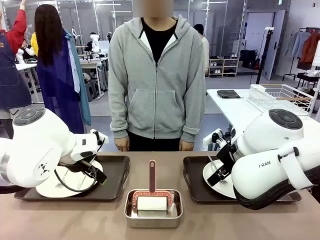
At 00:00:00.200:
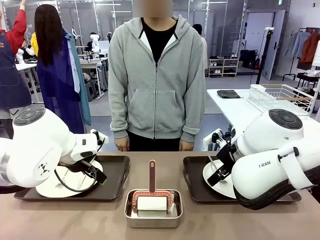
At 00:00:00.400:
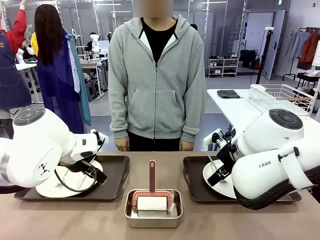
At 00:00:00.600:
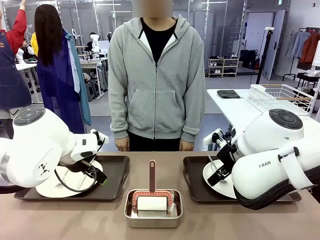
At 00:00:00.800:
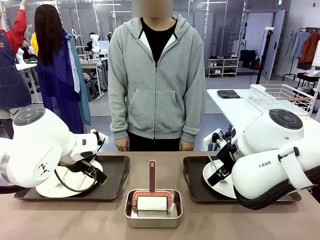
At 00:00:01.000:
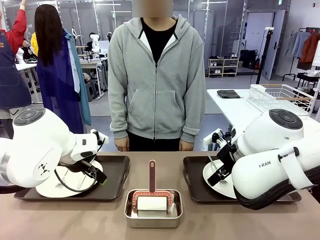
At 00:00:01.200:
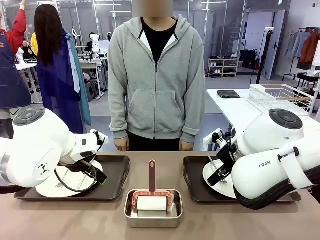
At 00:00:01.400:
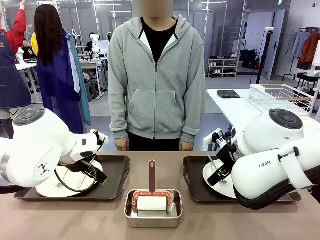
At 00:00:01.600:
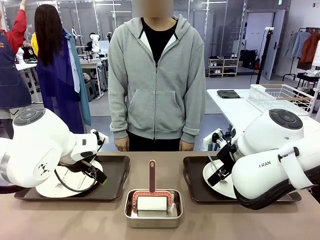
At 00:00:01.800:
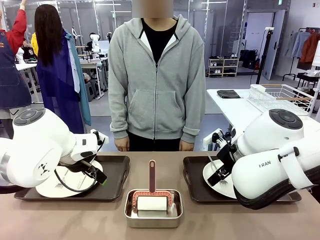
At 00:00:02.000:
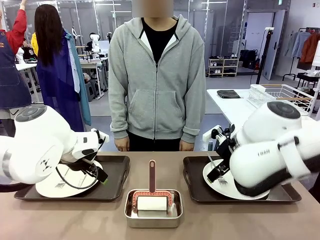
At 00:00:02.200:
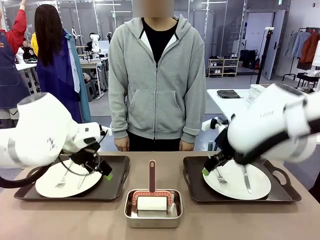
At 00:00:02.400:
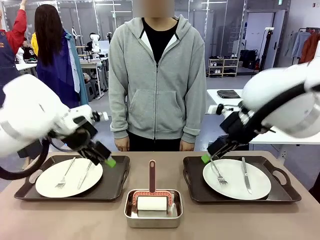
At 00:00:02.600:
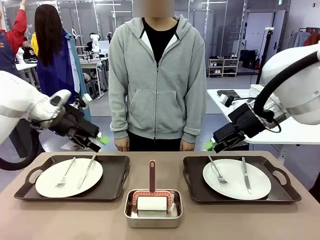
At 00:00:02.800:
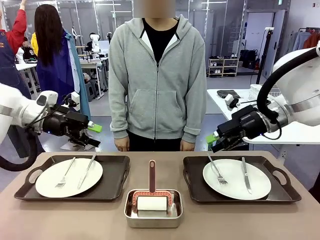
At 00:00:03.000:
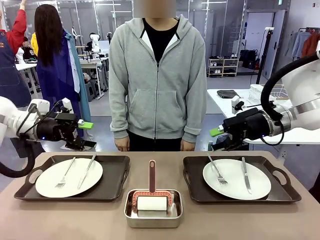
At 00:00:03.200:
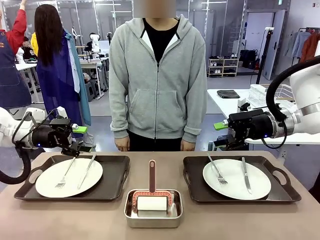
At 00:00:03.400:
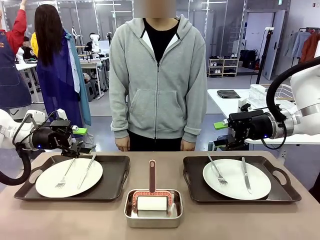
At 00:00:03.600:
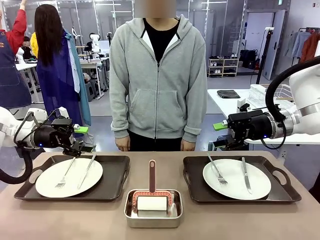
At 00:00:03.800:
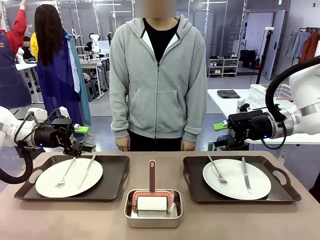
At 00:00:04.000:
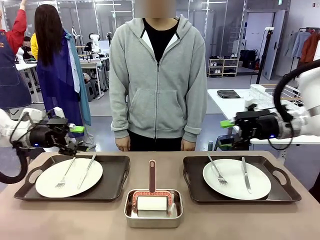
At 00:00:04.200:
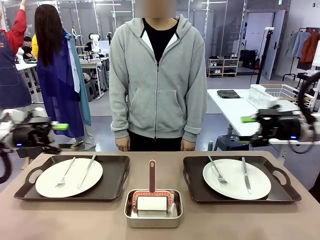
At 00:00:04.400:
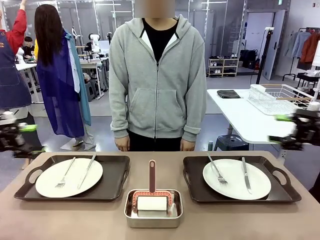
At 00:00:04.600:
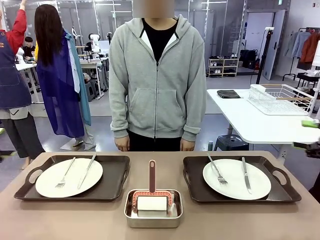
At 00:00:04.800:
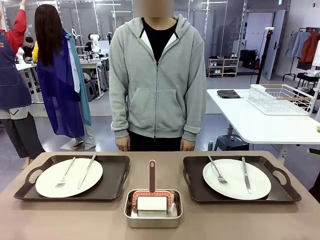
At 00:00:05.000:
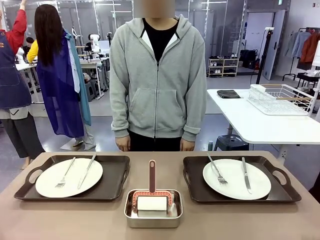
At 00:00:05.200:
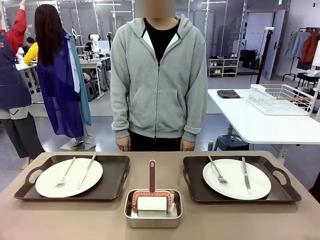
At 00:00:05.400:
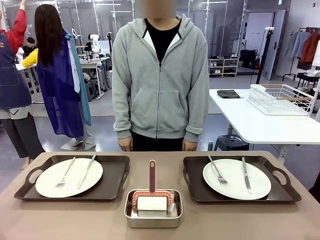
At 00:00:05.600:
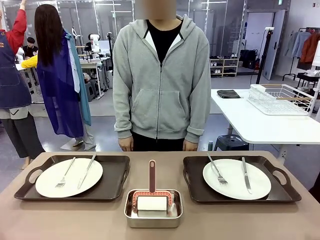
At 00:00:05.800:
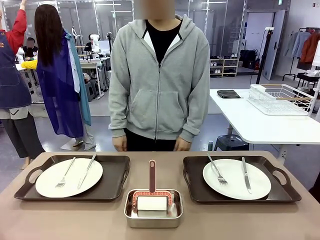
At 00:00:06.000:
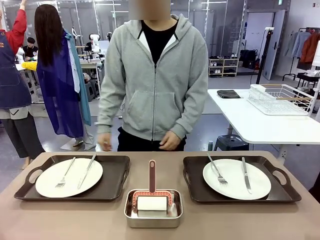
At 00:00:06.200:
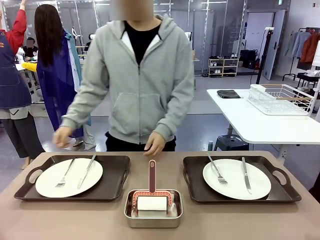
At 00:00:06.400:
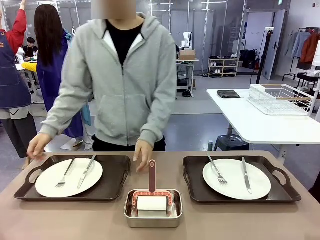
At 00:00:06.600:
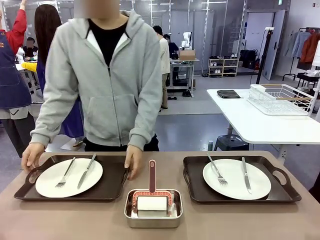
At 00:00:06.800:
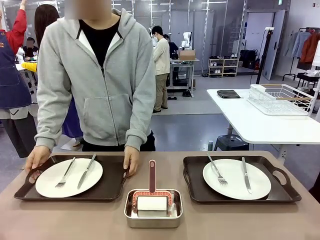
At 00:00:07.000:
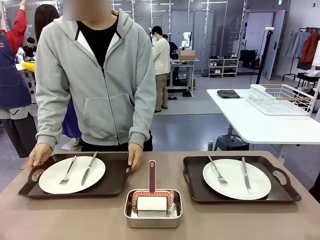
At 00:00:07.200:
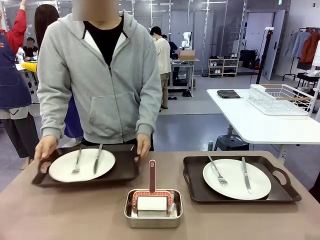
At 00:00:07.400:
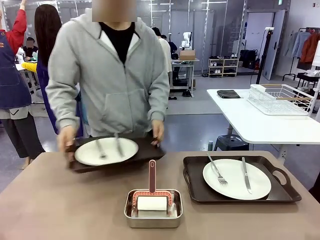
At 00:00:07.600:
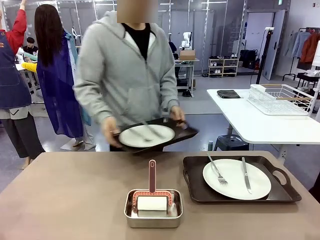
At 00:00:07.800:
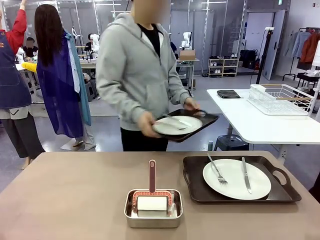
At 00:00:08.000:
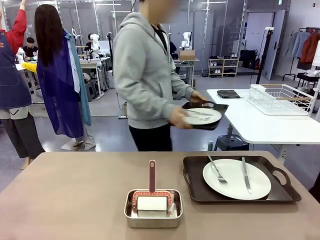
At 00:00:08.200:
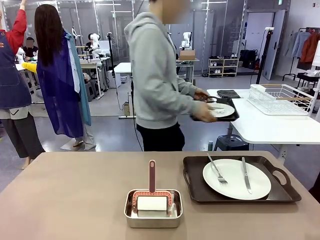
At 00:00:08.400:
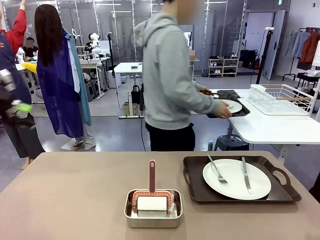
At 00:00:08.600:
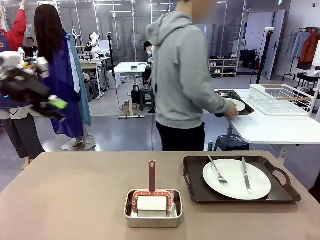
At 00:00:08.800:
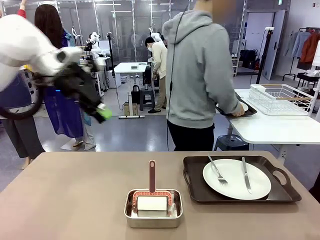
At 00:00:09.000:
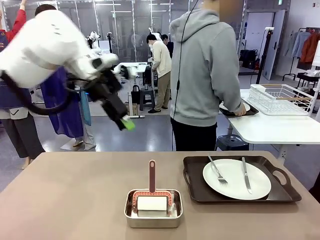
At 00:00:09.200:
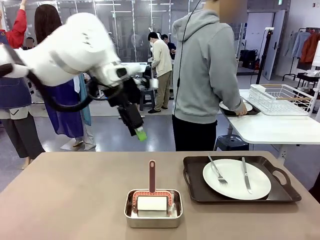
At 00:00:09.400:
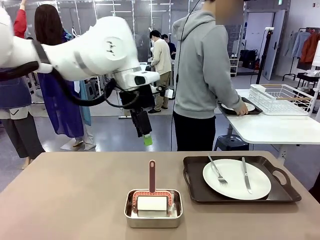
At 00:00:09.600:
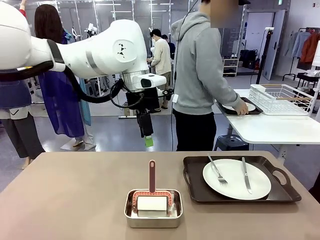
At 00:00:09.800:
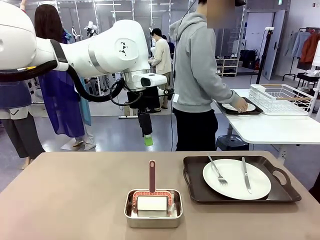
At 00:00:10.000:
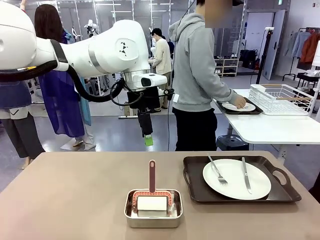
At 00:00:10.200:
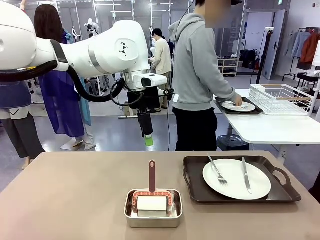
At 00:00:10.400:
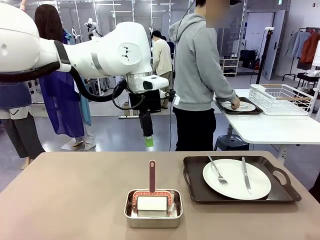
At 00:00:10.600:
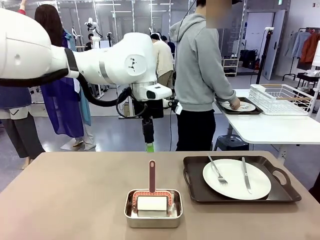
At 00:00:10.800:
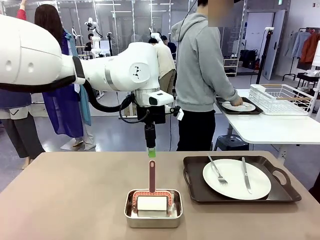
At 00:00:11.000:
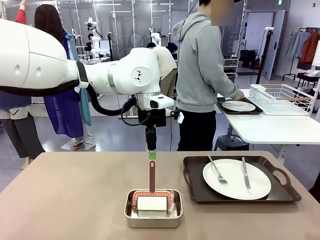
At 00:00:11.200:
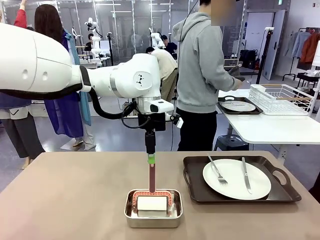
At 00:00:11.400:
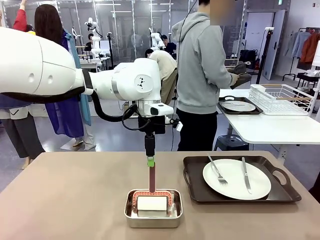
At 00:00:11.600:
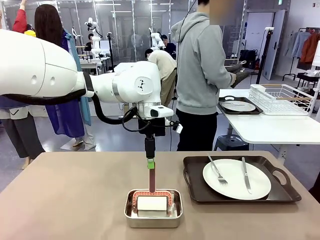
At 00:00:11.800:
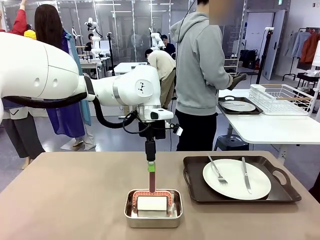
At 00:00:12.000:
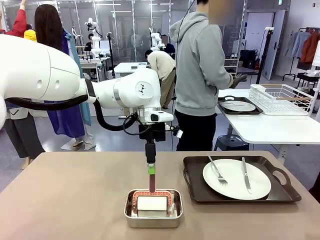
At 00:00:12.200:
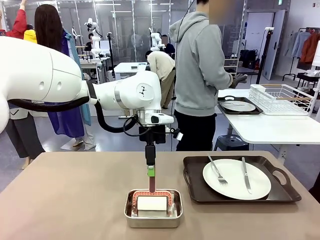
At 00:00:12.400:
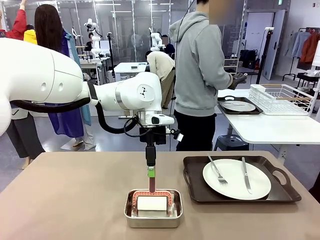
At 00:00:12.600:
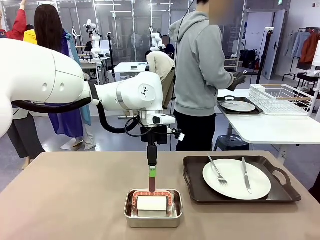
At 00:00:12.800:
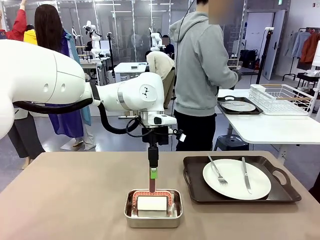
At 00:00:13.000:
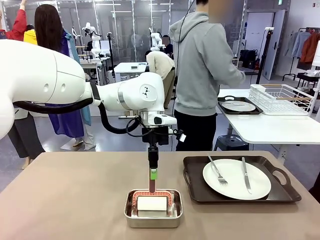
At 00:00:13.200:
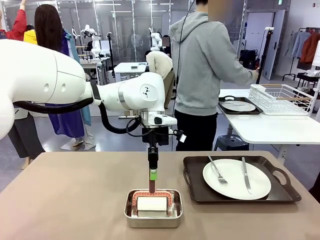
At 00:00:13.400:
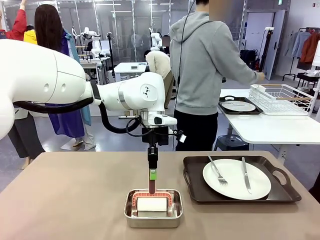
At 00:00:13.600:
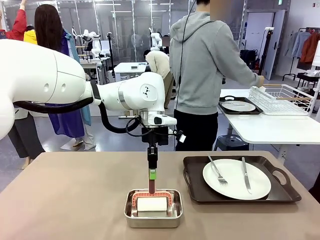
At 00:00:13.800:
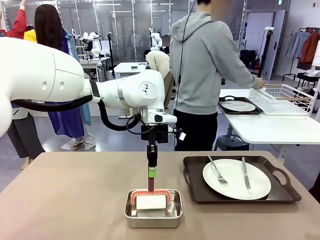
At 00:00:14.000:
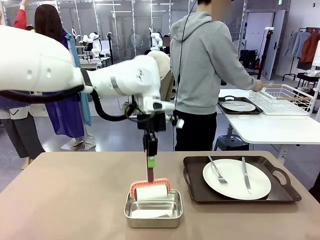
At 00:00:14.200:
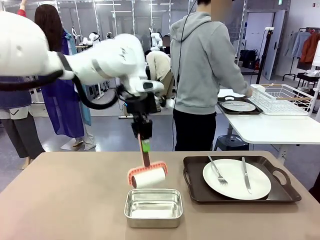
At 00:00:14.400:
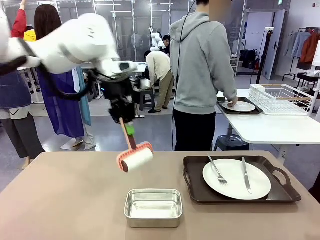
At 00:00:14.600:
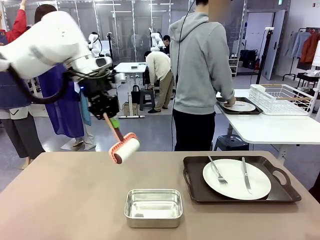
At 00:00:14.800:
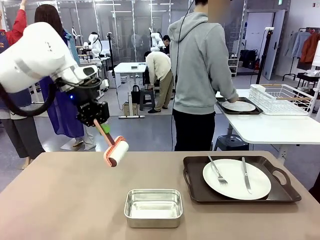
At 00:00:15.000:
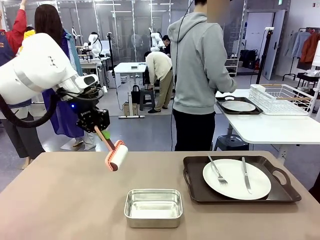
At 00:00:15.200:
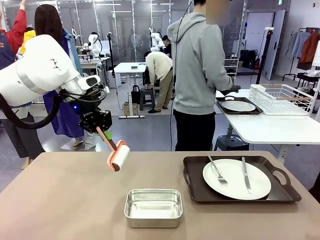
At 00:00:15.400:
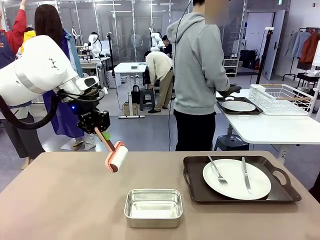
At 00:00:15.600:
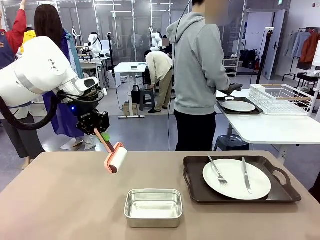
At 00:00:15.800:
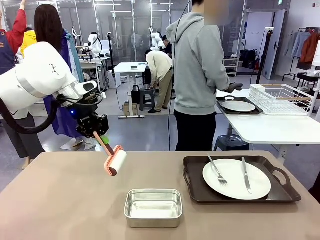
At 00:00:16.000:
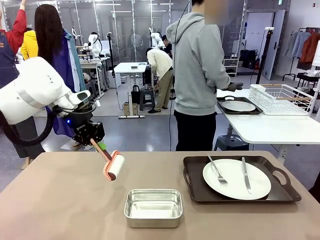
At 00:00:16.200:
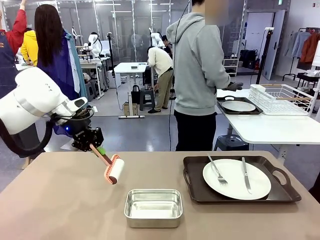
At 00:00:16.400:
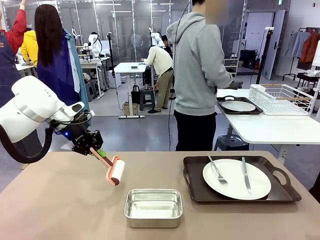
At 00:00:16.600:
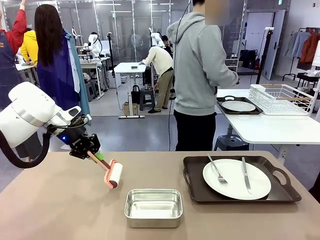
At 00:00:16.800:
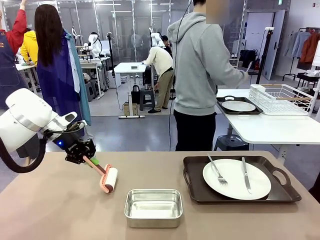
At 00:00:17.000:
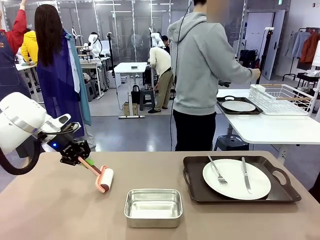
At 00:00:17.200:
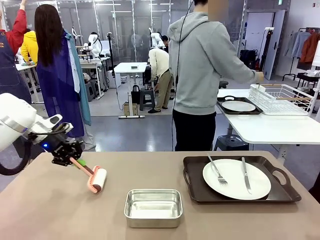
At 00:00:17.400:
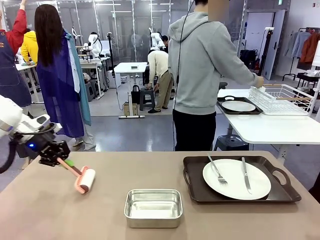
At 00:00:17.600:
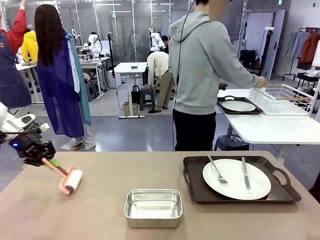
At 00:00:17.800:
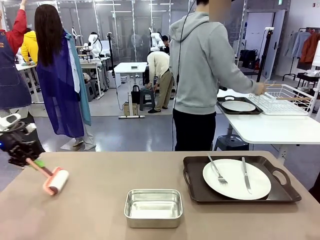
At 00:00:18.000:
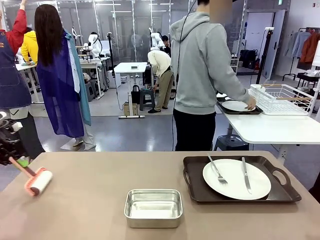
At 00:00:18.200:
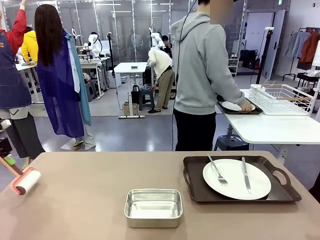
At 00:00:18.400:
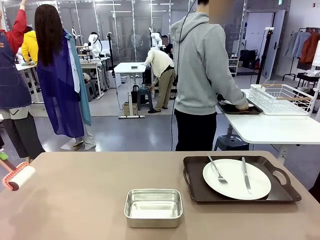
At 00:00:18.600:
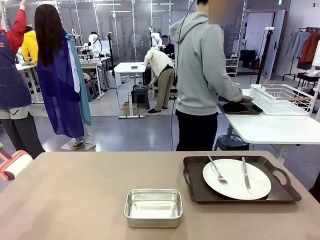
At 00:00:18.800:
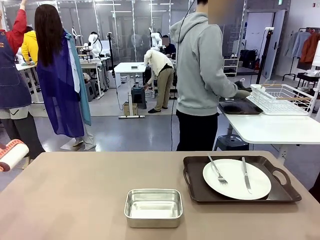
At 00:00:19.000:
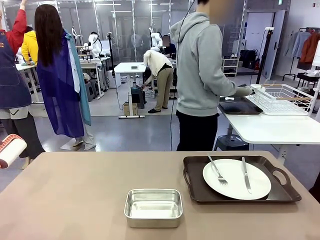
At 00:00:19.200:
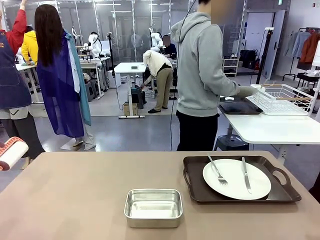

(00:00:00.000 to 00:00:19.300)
Robot: When the left (or right) Handle tray is removed, use the left hand (or right hand) to clean the left (or right) side of the table with the Lint Roller.
Person: Pick up the left (or right) Handle tray and place it on the middle of the Human's table. Use the Towel with hook to wipe the Plastic Matte Plate , Fork , and Knife and place into the Dish drying rack.

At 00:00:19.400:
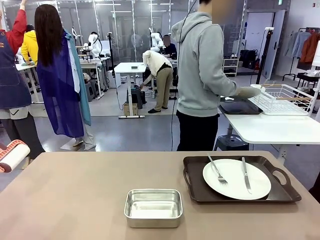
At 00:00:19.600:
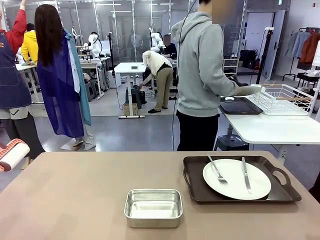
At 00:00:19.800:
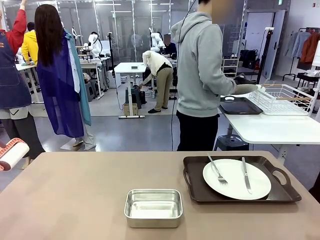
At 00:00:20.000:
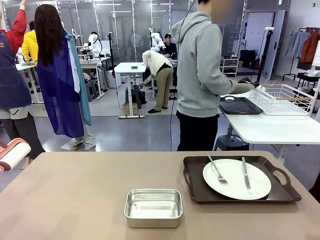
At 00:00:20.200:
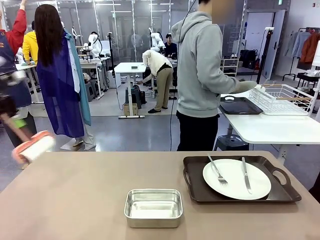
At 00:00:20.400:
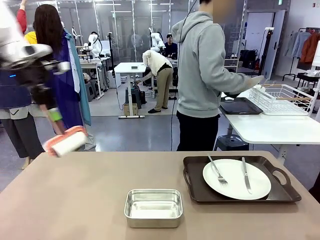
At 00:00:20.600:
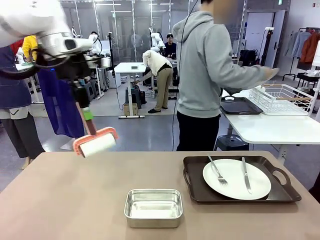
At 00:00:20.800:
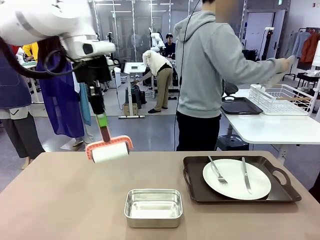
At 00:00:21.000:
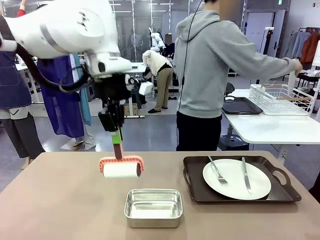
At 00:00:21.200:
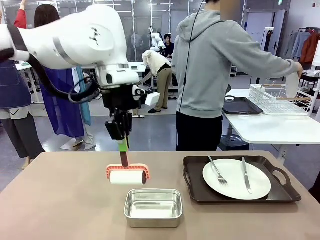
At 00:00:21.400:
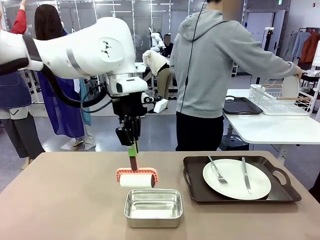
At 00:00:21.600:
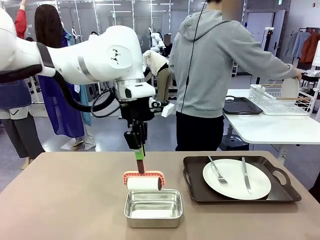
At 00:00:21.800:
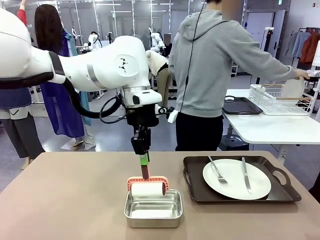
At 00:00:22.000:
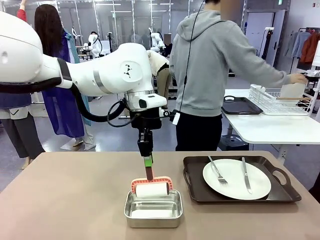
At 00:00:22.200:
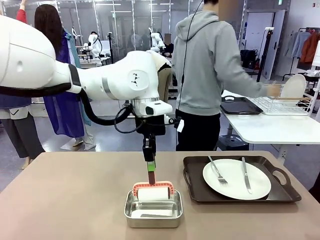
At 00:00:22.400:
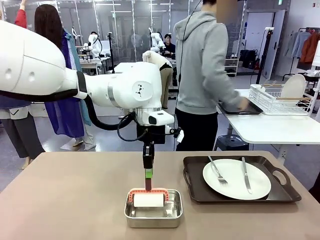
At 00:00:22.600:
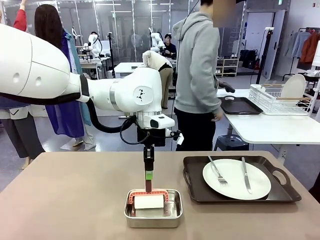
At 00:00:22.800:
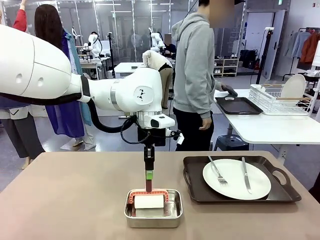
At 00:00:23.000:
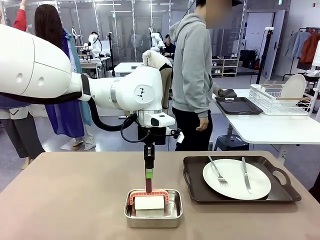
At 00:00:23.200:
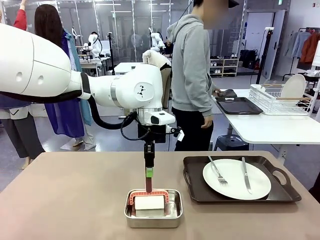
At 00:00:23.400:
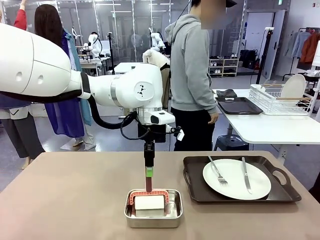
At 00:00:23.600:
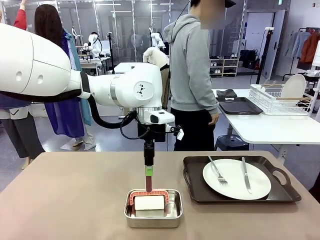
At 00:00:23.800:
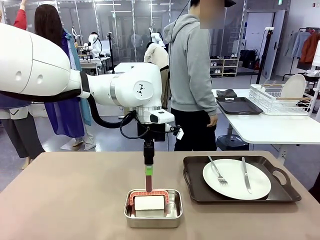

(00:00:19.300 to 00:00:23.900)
Robot: Place the Lint Roller back on top of the Airtight Container.
